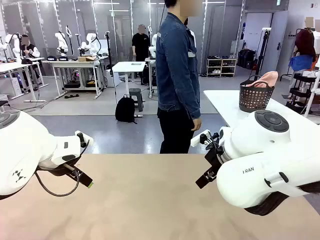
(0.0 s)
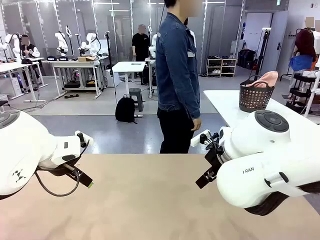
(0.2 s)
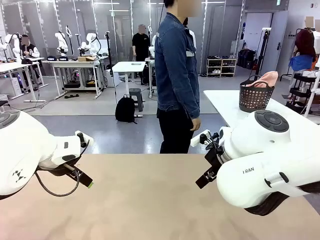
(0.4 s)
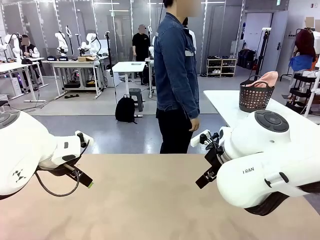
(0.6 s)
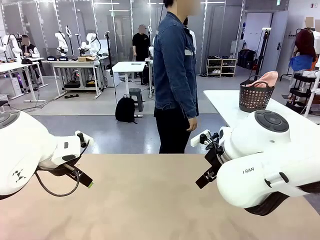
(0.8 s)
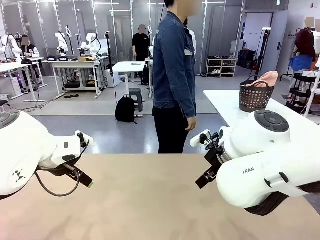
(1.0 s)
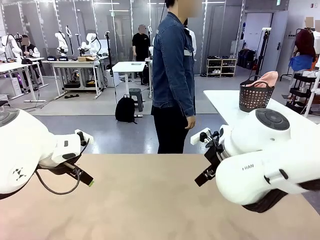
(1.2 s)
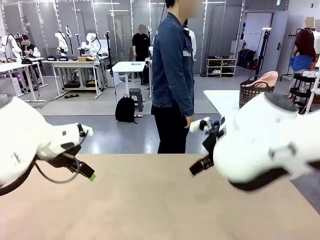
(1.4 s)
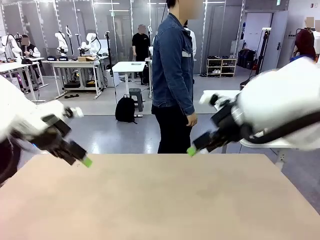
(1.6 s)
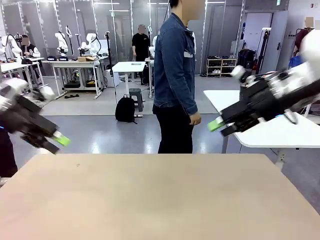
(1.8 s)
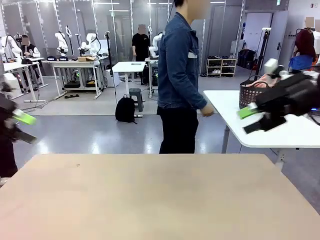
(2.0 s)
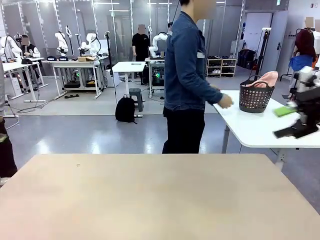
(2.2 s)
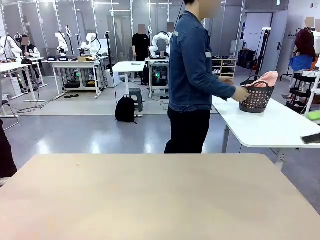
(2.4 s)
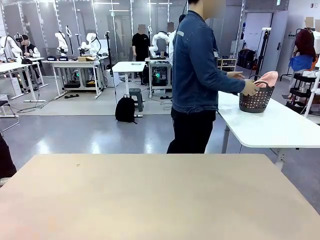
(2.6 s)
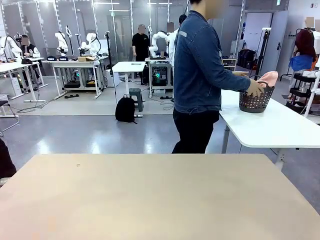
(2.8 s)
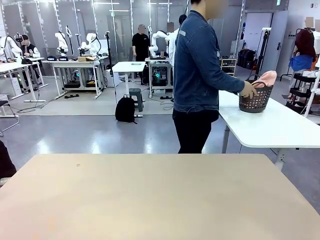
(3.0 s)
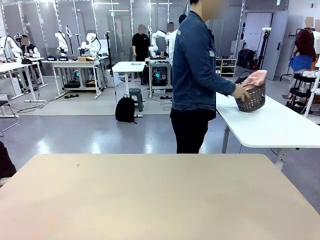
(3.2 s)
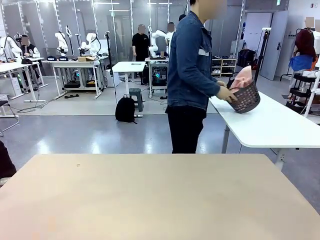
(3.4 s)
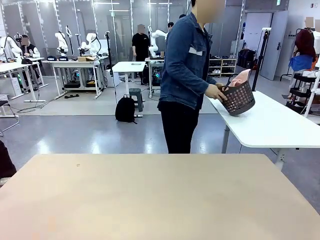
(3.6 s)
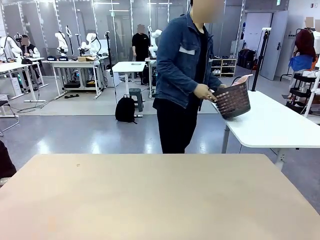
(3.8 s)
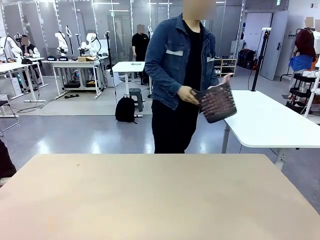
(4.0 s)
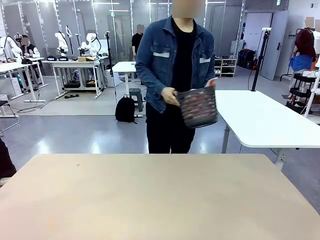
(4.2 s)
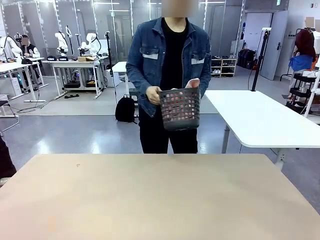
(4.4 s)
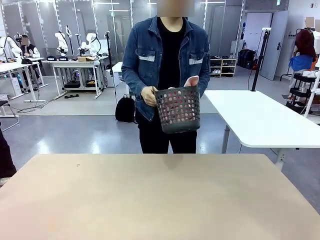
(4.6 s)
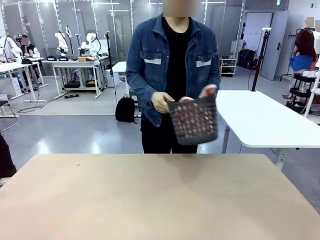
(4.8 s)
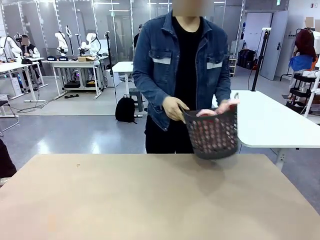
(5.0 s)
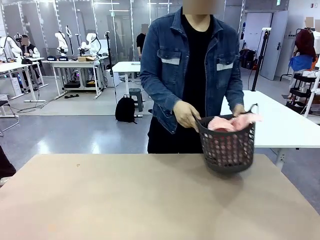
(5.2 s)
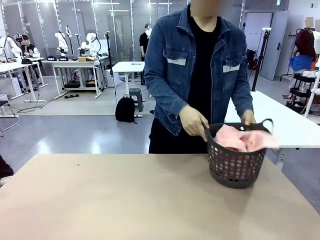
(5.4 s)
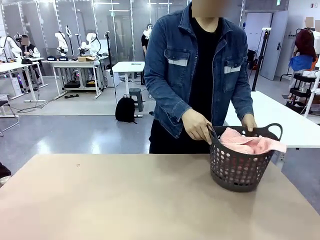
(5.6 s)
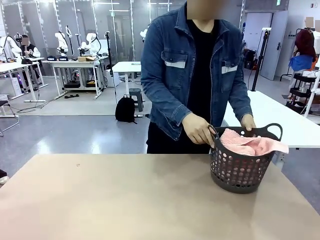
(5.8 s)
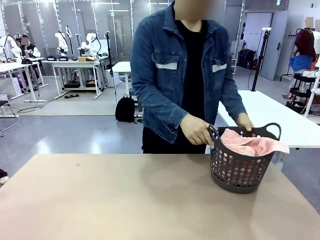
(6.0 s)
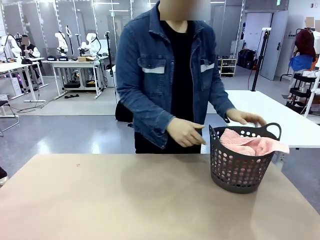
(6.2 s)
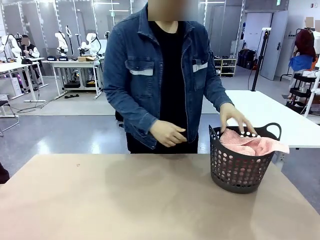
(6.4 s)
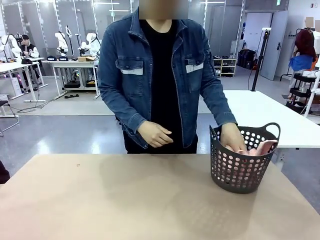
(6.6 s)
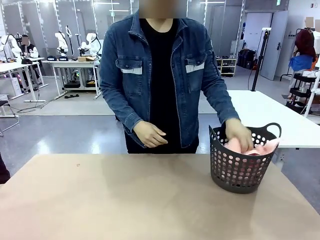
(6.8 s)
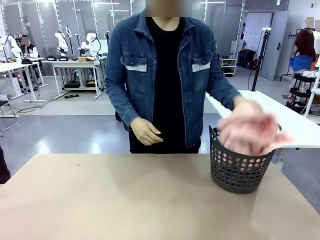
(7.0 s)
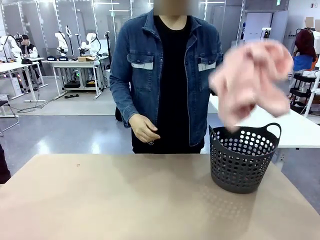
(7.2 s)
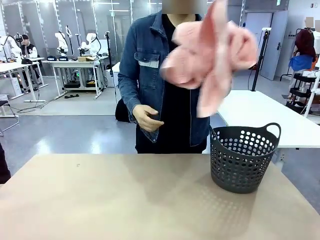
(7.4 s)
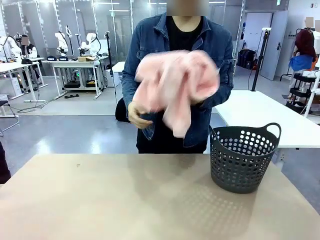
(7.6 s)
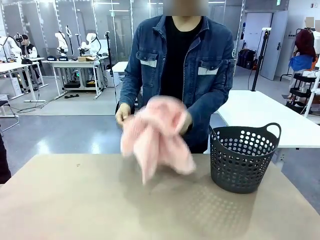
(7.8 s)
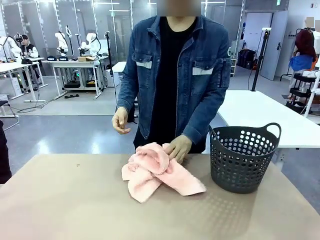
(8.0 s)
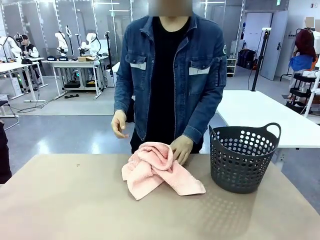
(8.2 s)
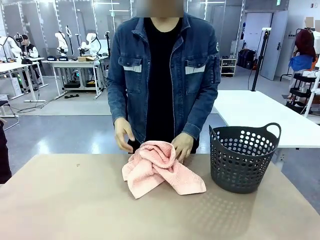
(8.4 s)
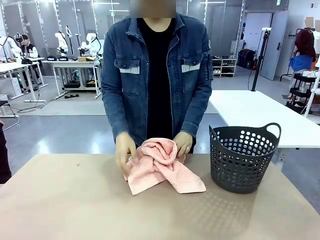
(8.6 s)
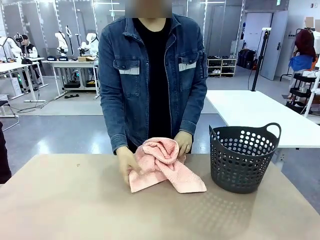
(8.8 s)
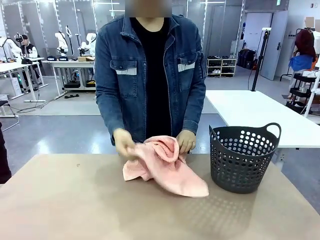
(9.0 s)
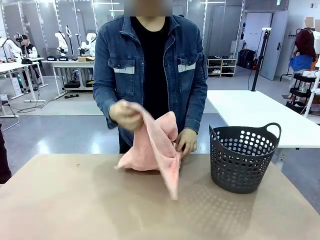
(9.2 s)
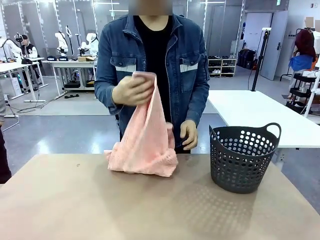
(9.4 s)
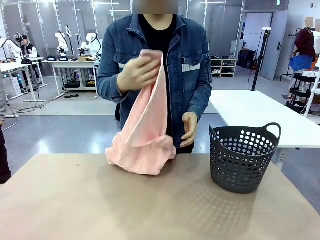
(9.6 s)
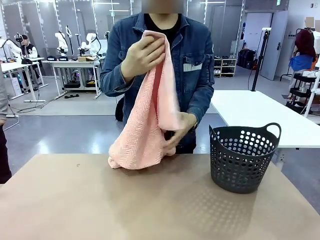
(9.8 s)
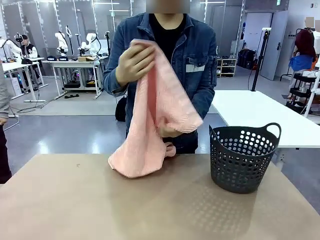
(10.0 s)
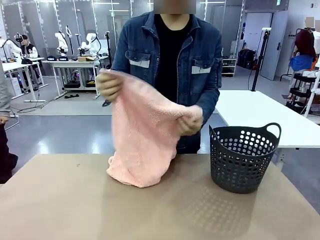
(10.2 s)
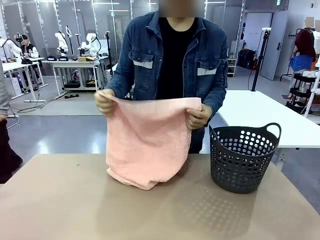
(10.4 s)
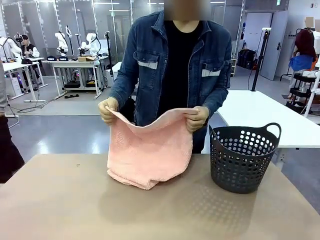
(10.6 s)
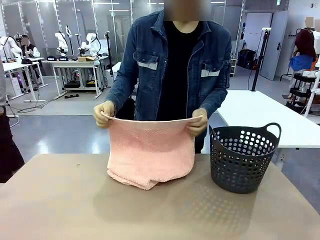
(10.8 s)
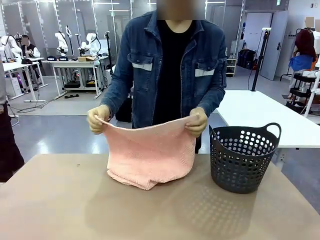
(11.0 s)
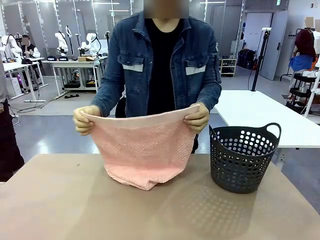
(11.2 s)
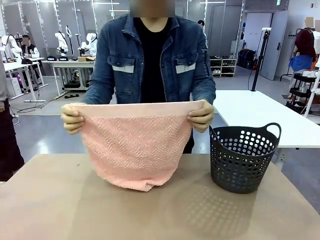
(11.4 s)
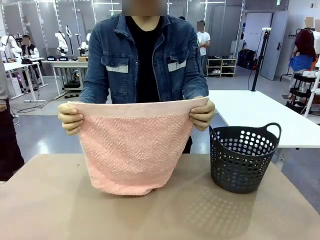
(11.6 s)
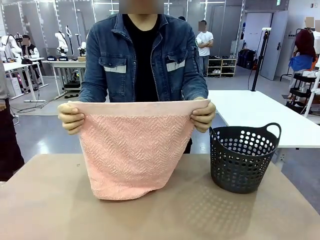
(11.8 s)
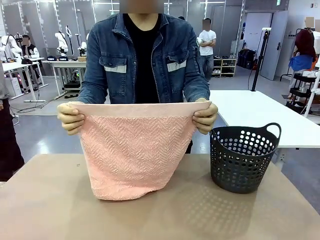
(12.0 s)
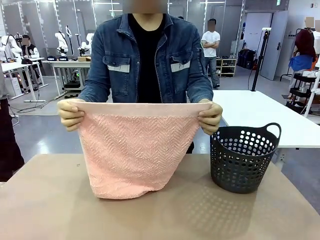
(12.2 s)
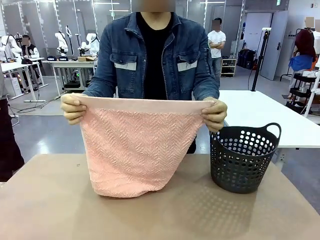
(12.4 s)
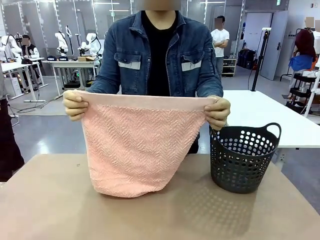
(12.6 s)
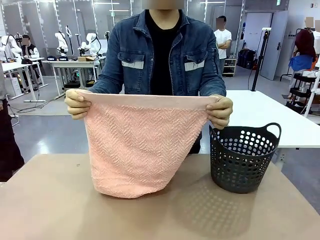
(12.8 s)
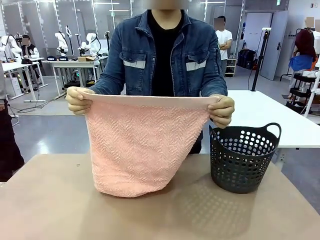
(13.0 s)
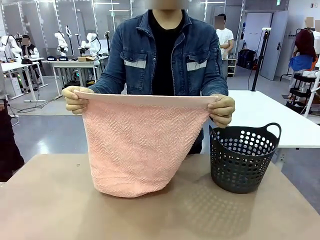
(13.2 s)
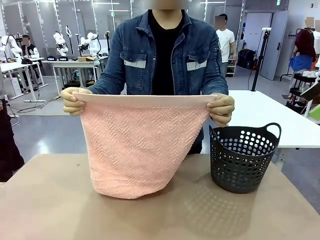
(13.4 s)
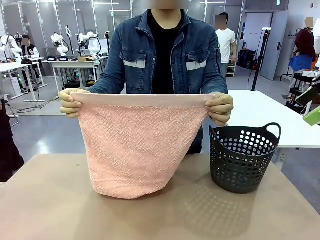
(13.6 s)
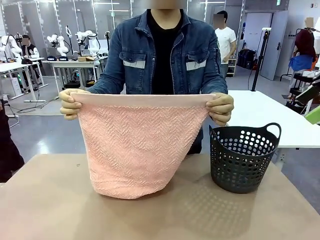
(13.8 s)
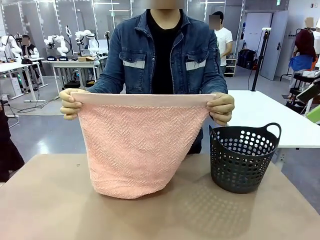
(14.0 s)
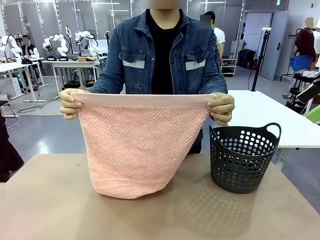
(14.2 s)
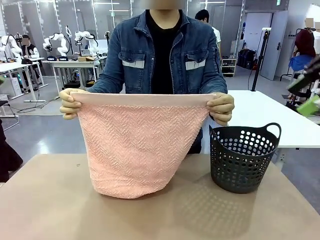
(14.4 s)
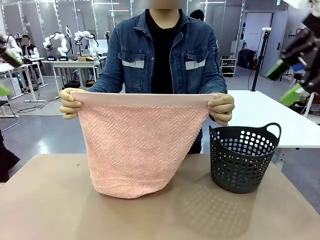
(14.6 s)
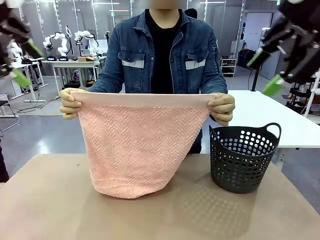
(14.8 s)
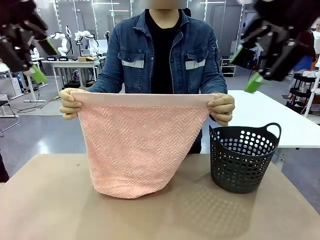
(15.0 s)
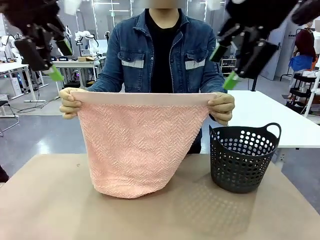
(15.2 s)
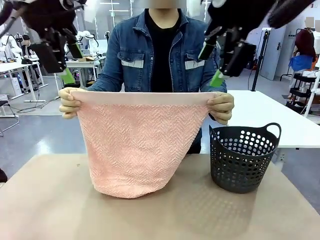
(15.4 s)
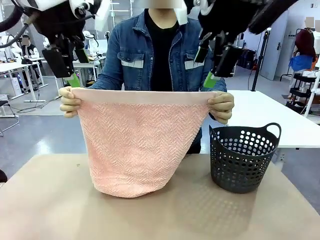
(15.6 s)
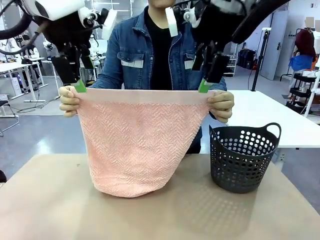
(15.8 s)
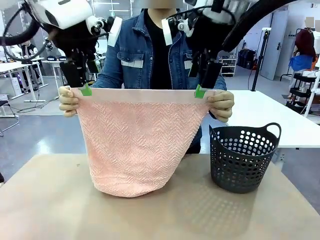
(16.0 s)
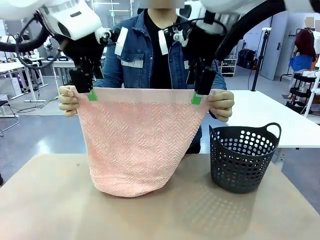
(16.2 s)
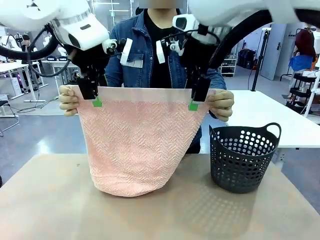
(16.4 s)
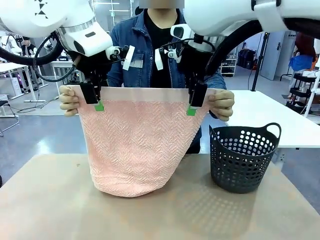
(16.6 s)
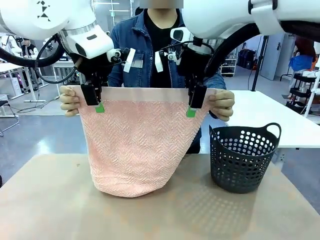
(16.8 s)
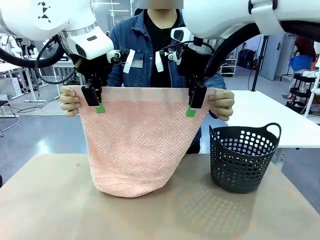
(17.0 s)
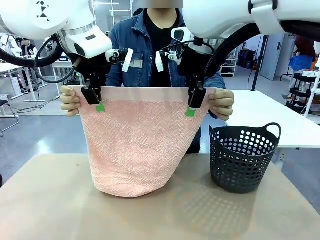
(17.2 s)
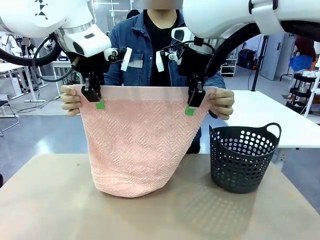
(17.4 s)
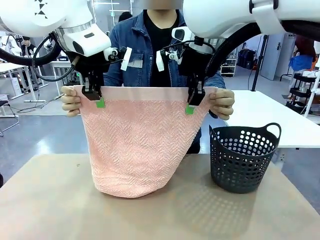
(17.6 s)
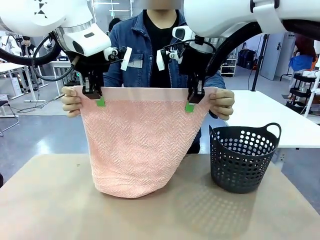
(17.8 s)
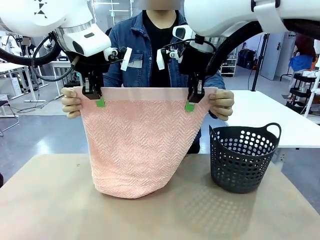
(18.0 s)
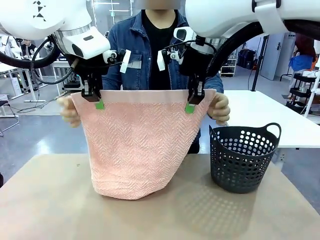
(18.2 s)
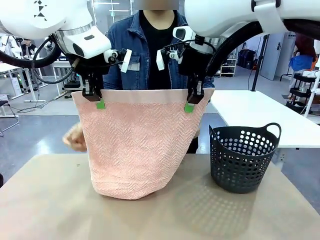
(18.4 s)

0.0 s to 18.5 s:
Task: Fold the towel.
Robot: Grab the top end of the 100 cm Hotel Towel extended by the human.
Person: Pick up the laundry basket, place it on the left side of the robot table, then take out a towel and hand it to the robot while holding both corners of one end.
